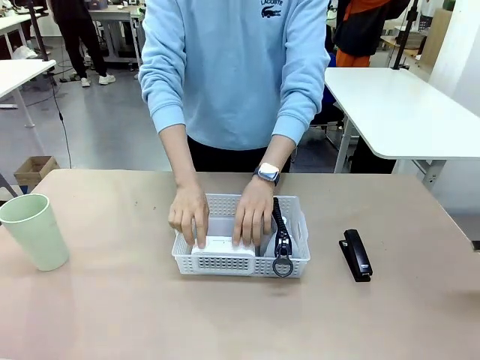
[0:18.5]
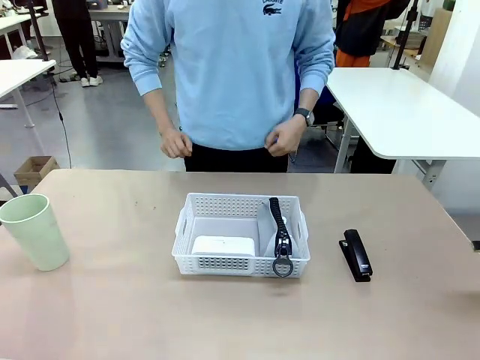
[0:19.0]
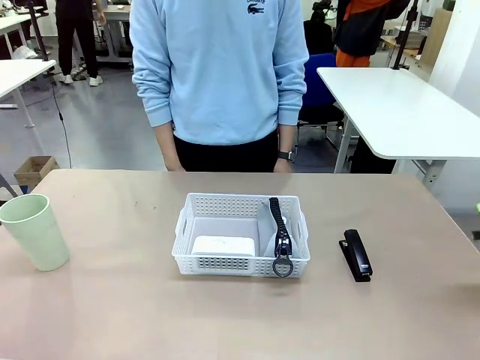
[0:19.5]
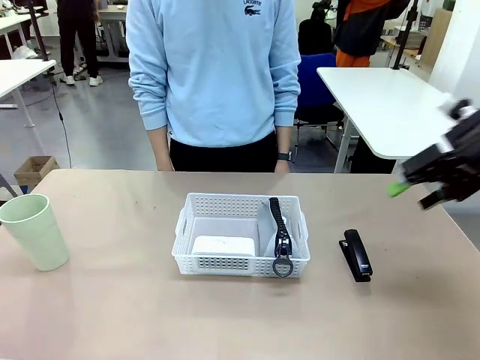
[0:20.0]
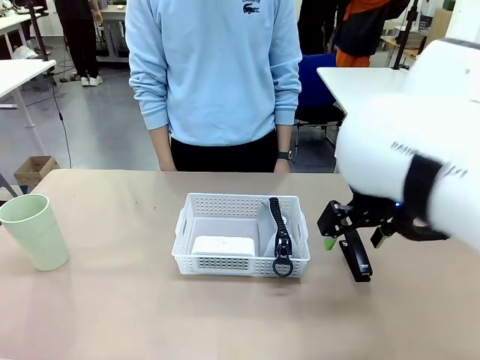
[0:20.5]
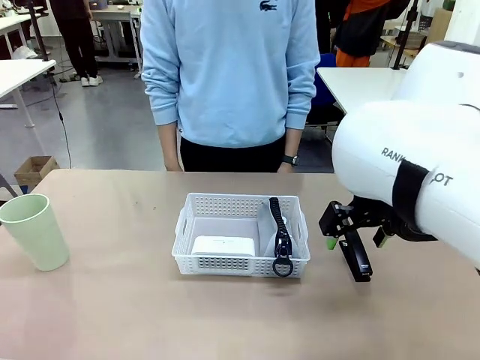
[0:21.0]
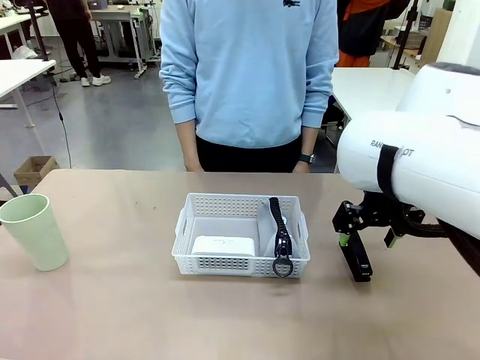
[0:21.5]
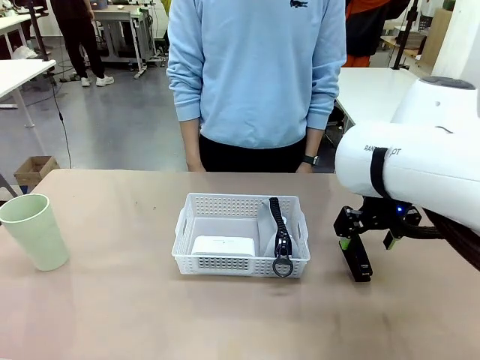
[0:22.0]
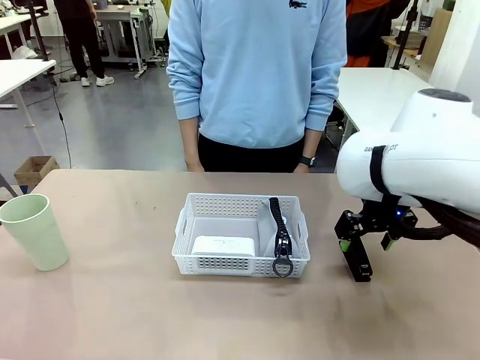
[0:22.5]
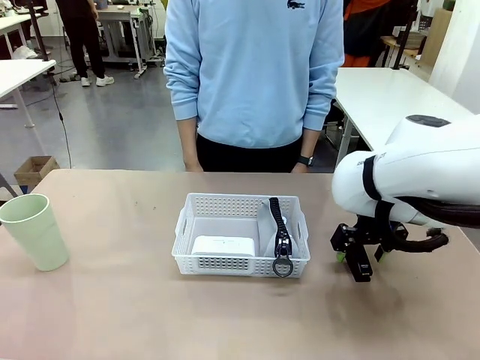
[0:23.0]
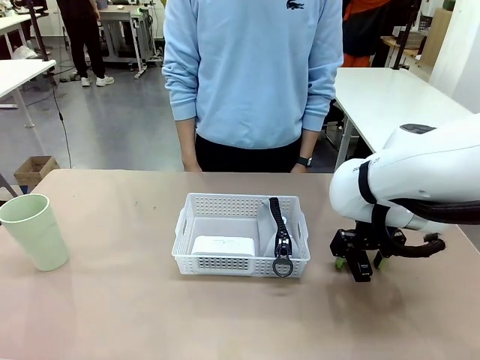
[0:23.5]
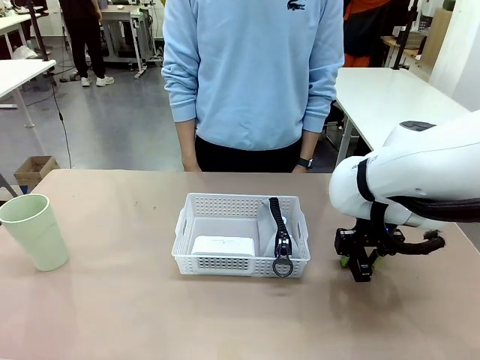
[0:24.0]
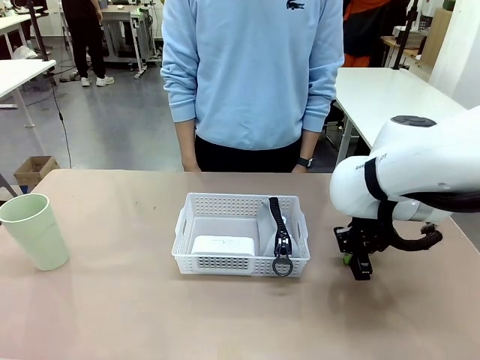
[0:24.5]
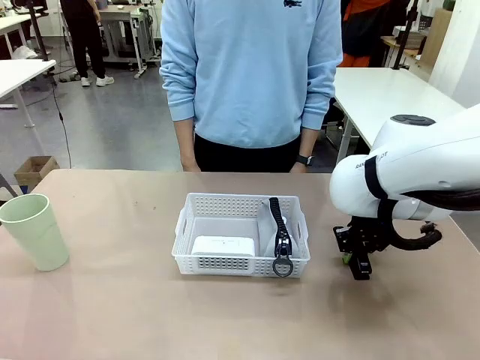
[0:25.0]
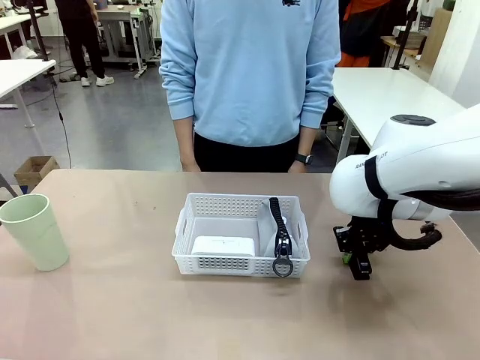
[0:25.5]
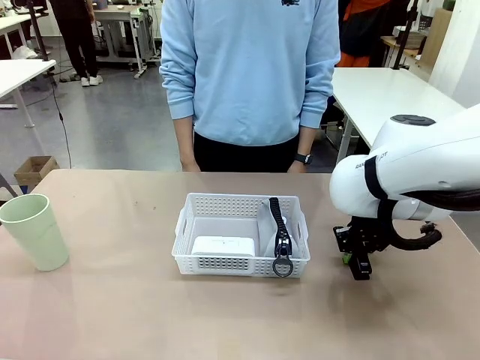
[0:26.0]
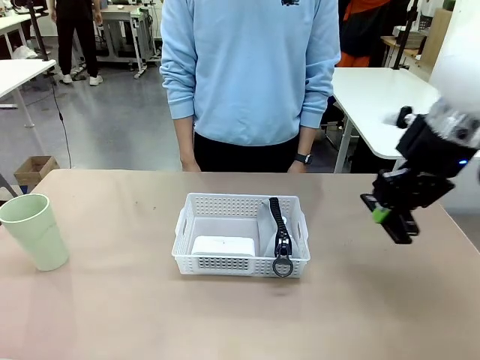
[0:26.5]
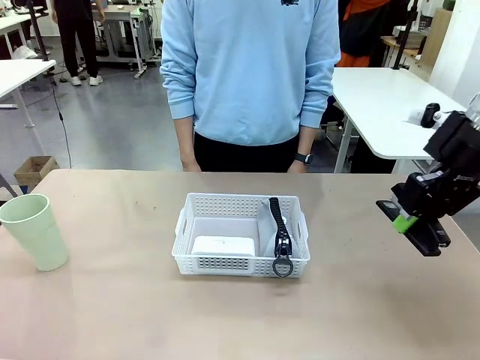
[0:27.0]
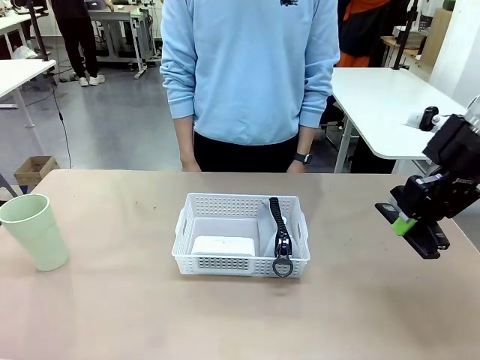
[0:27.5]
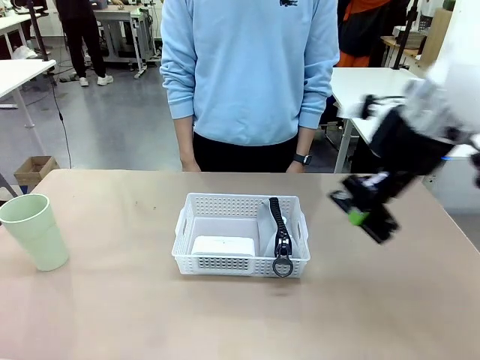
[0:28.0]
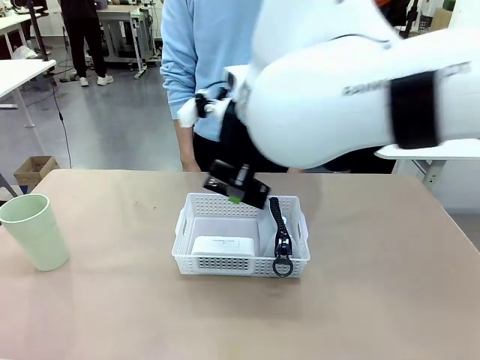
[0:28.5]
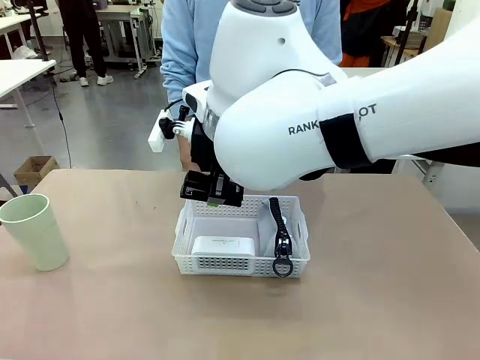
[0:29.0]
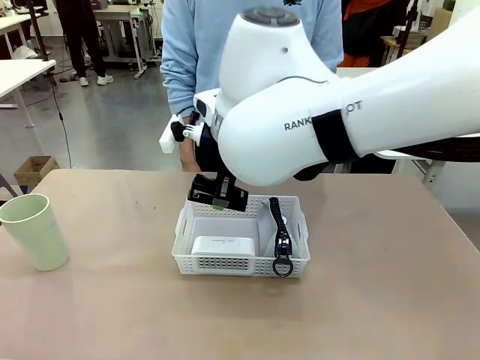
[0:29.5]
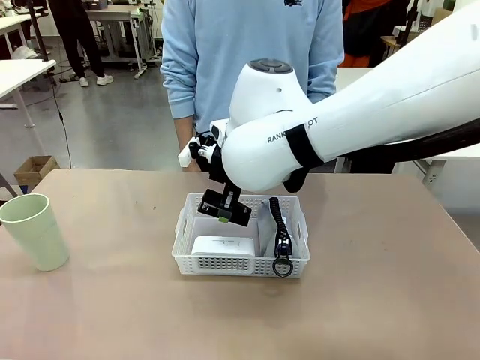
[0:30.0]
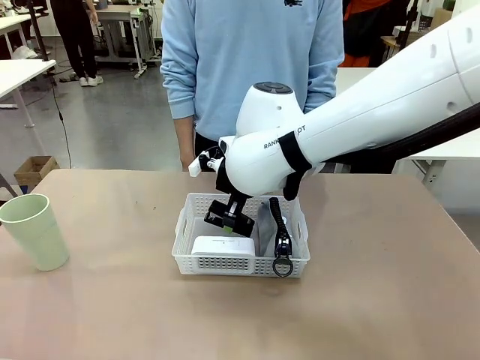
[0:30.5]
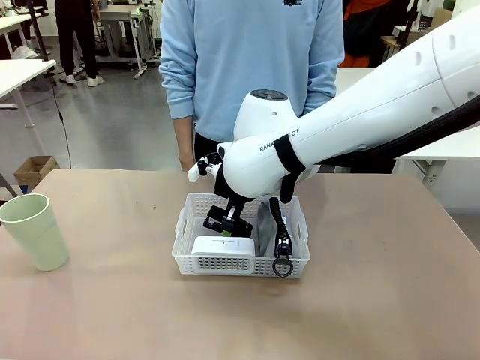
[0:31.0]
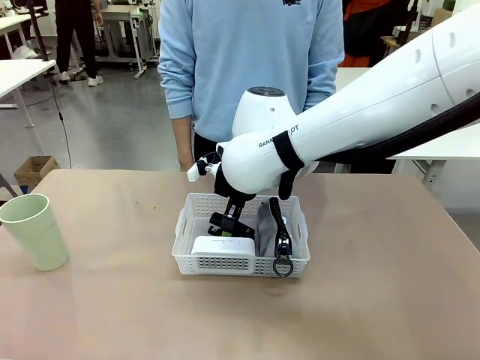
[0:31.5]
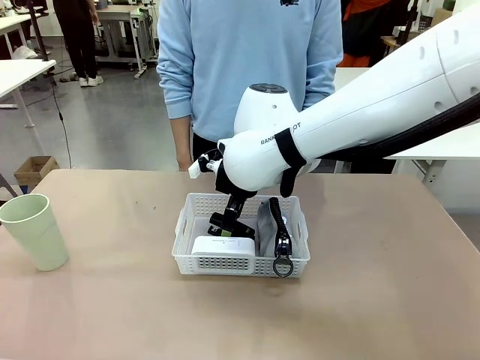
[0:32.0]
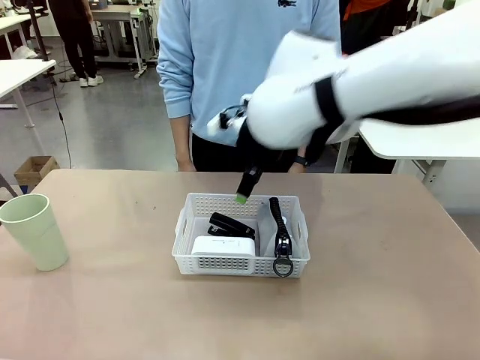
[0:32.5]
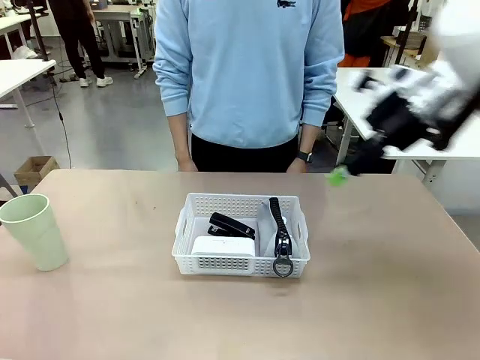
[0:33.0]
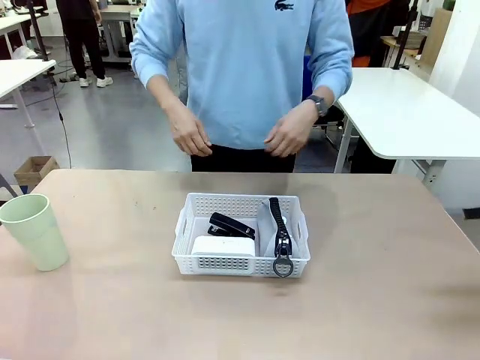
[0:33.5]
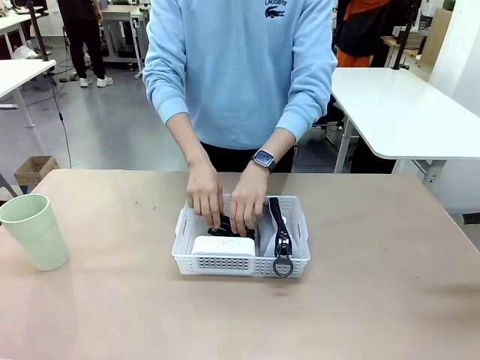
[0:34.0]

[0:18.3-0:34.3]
Task: Efficiently arrange items inside the basket to fit them all.
Robot: Pick up the Stapler and place it inside the Organizing basket.

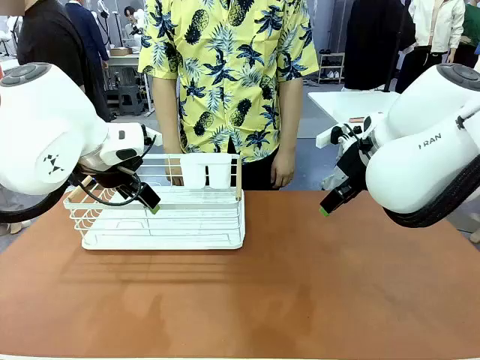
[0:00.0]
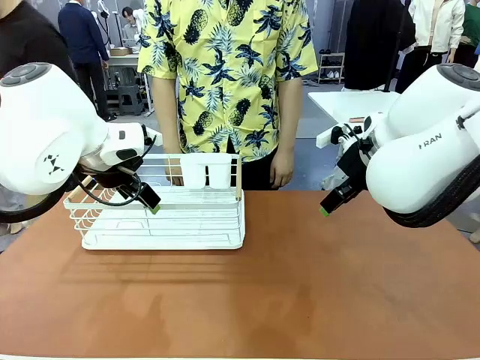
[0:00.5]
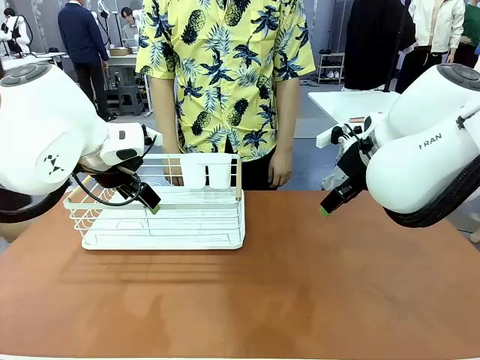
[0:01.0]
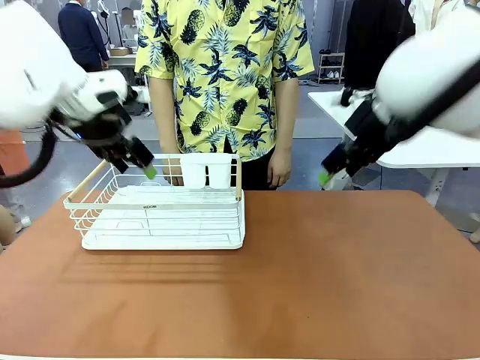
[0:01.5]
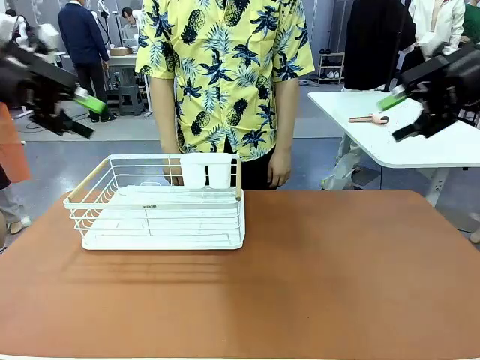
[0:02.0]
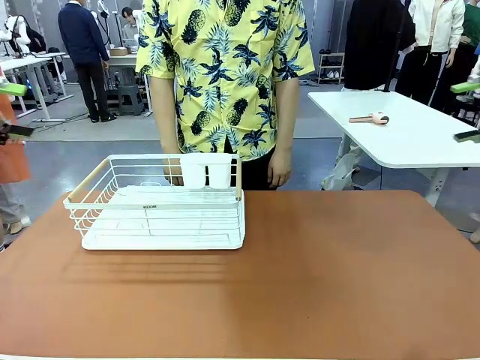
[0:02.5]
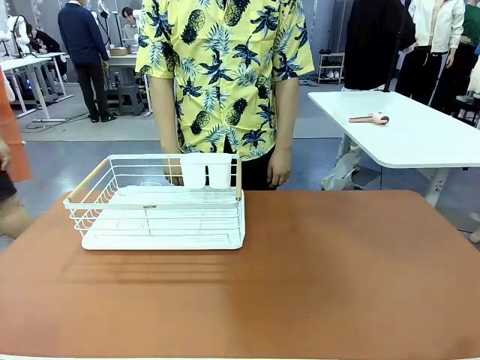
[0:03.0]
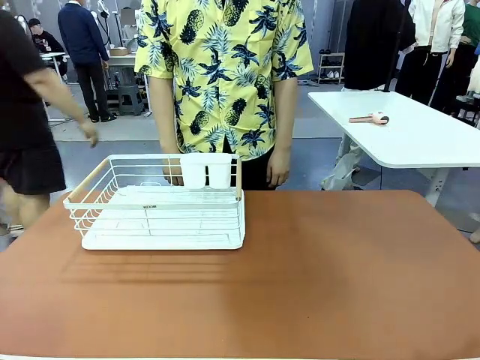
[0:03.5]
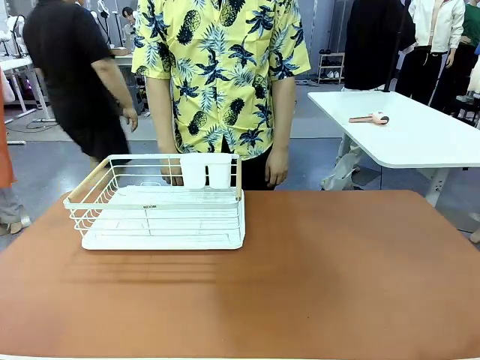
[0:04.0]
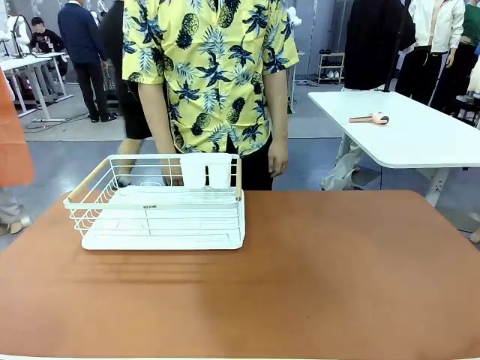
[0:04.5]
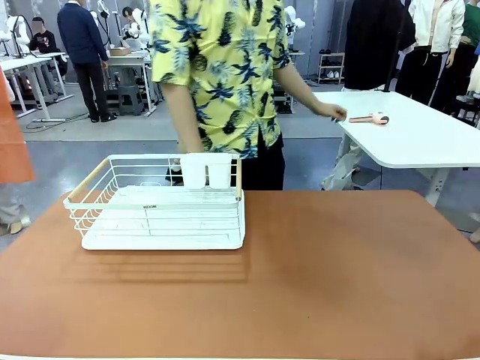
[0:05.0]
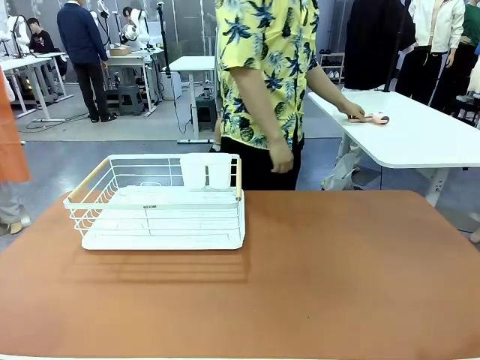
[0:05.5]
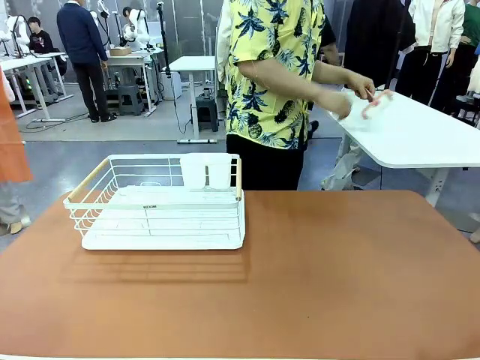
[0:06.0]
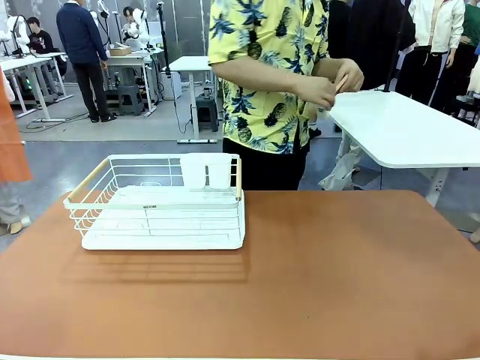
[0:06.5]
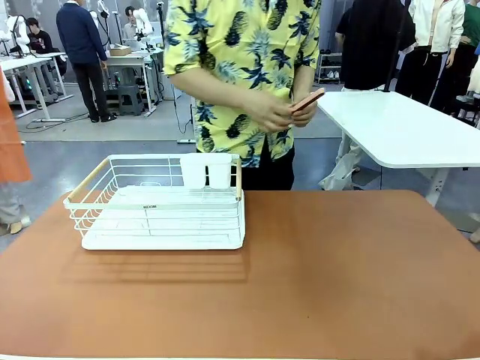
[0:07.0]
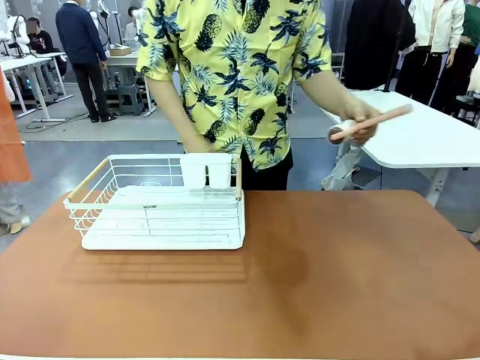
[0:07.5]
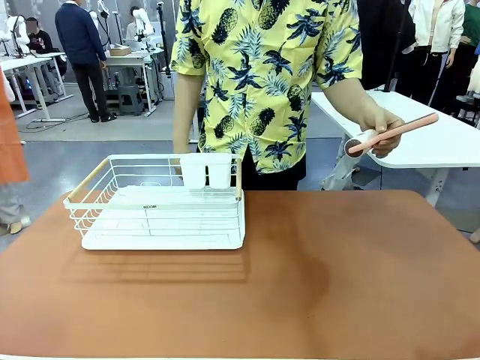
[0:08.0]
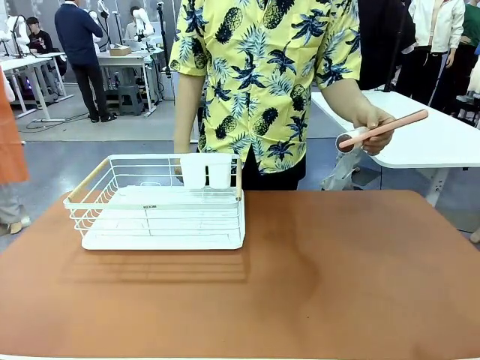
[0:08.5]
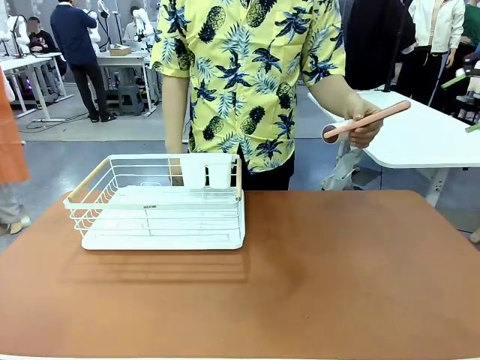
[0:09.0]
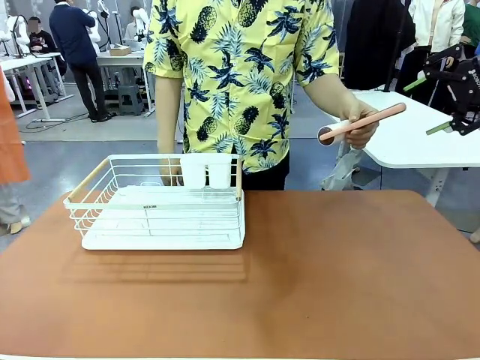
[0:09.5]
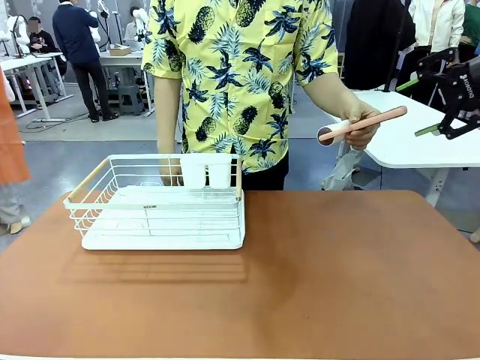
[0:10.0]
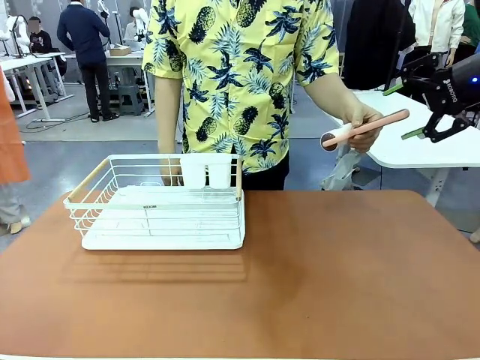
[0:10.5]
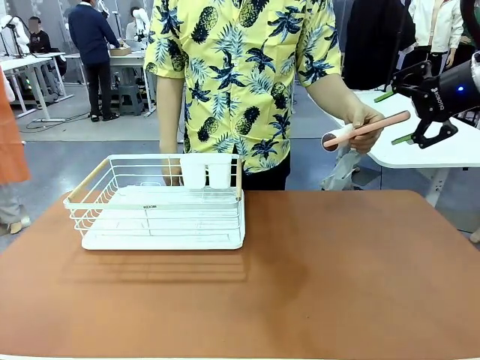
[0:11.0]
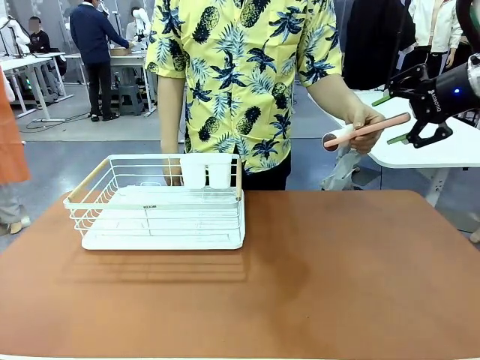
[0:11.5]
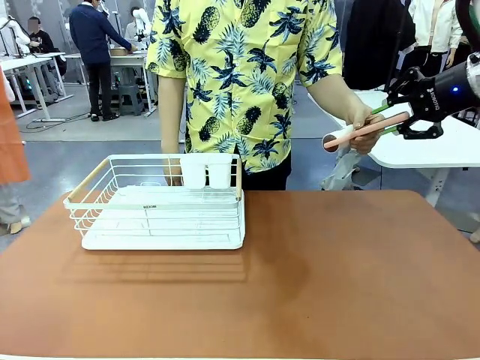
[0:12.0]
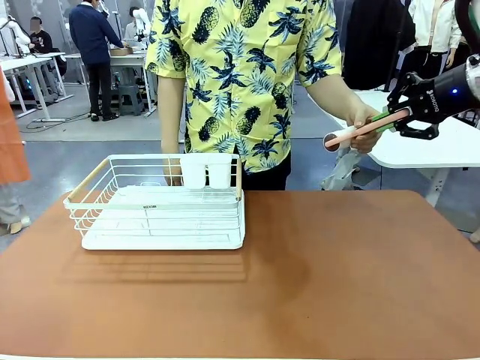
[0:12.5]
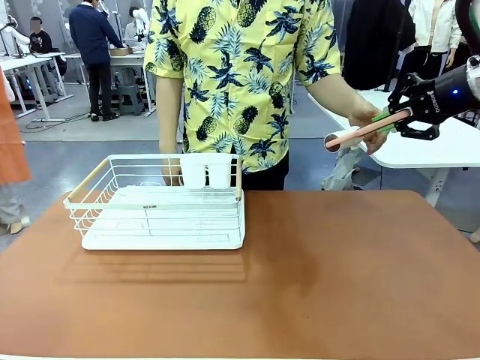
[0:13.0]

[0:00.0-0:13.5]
Task: Clean the table.
Robot: Pick up the Lint Roller when the human hands it over.
Person: Hand the Lint Roller to the robot so it can easily pick it up. Lift the Dish drying rack.
